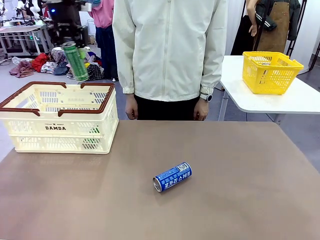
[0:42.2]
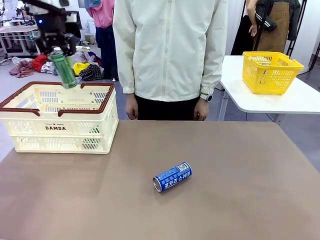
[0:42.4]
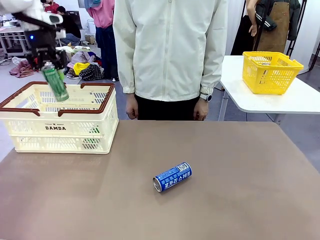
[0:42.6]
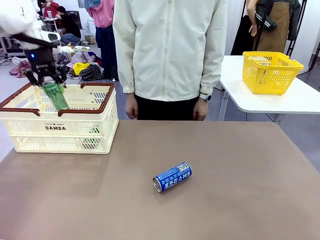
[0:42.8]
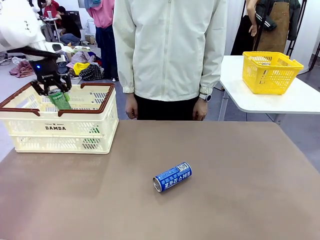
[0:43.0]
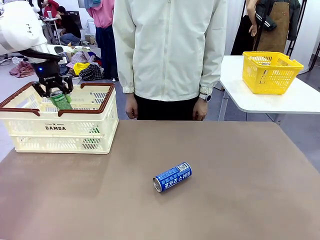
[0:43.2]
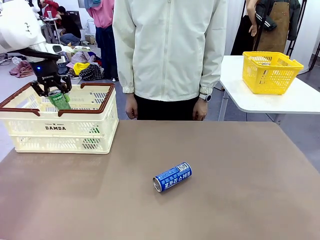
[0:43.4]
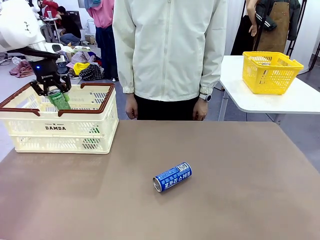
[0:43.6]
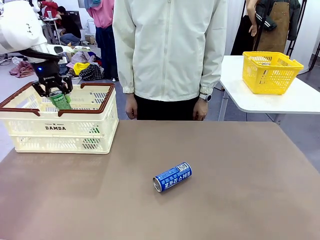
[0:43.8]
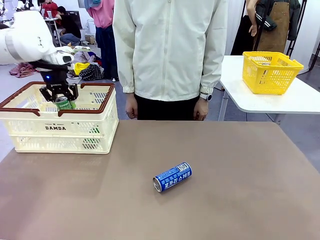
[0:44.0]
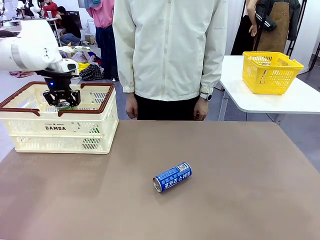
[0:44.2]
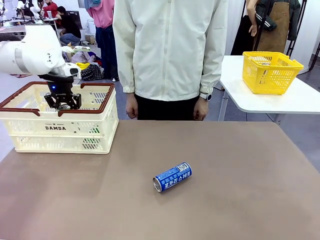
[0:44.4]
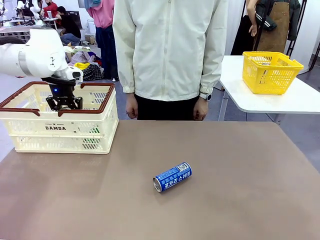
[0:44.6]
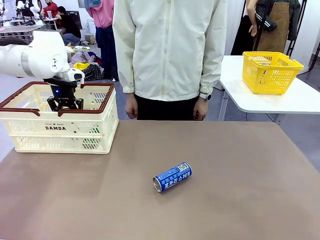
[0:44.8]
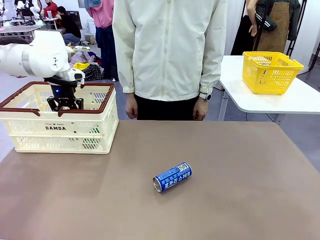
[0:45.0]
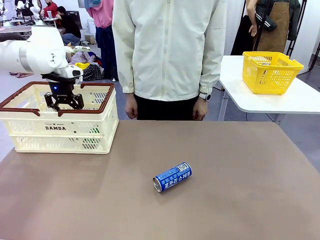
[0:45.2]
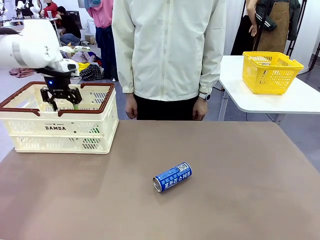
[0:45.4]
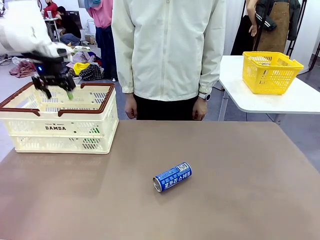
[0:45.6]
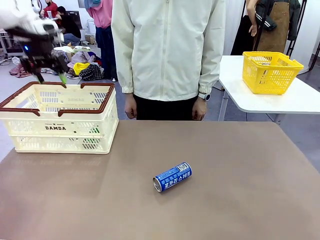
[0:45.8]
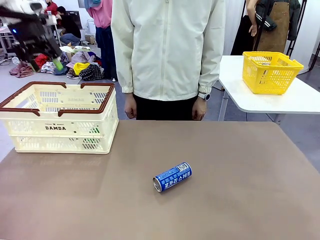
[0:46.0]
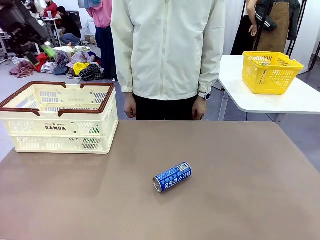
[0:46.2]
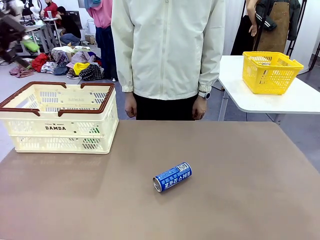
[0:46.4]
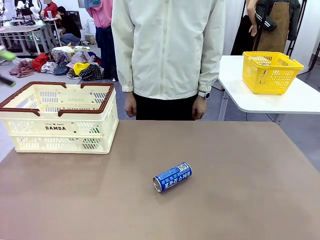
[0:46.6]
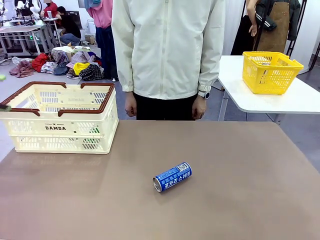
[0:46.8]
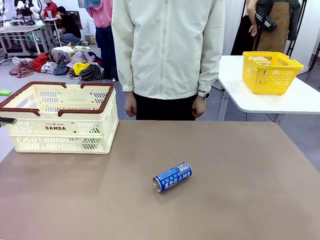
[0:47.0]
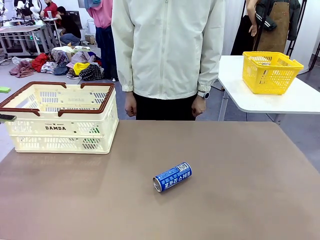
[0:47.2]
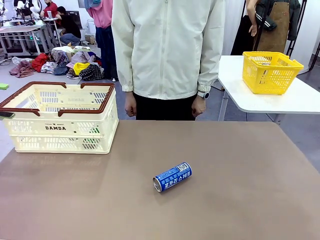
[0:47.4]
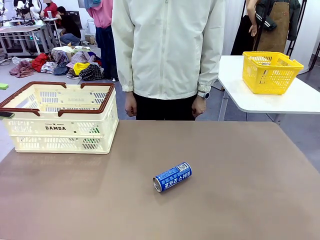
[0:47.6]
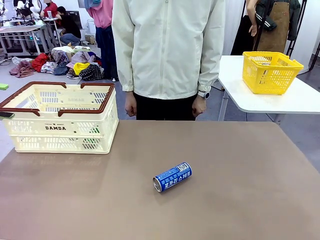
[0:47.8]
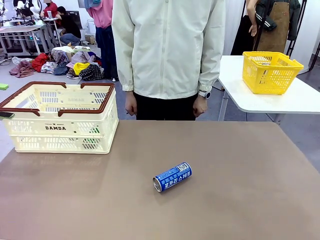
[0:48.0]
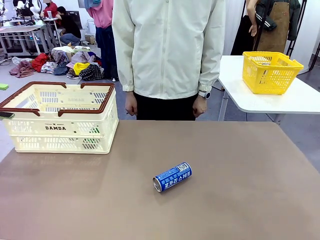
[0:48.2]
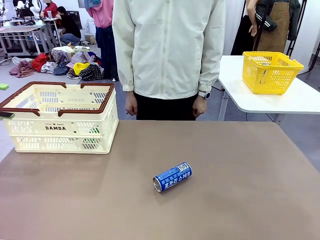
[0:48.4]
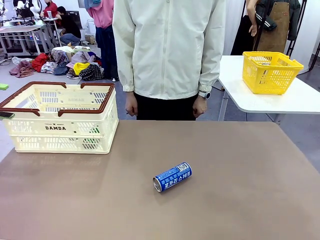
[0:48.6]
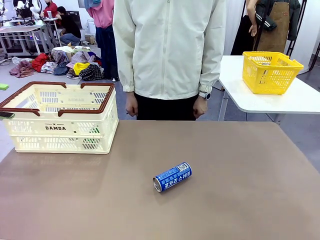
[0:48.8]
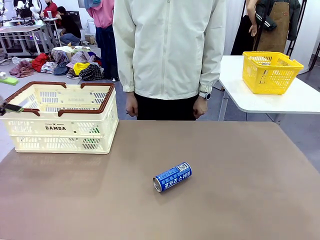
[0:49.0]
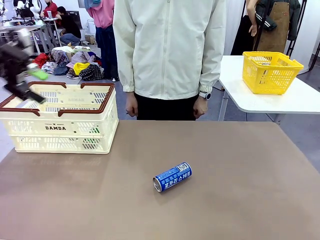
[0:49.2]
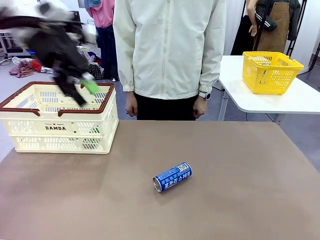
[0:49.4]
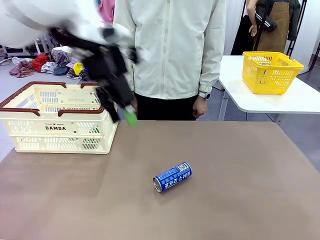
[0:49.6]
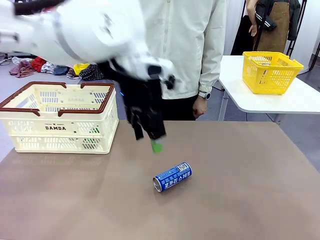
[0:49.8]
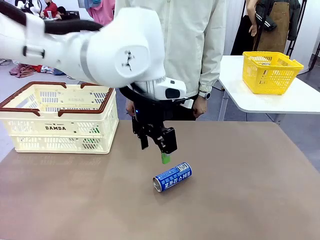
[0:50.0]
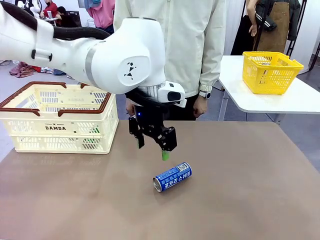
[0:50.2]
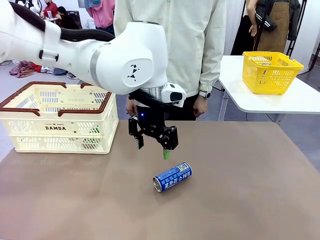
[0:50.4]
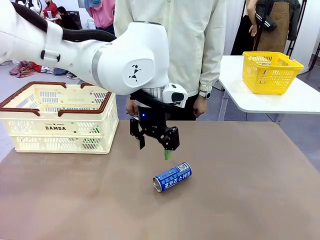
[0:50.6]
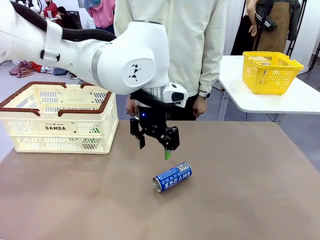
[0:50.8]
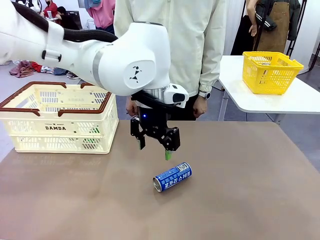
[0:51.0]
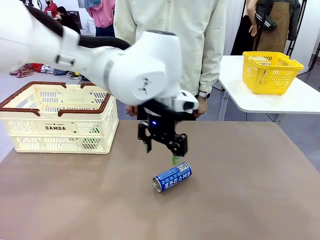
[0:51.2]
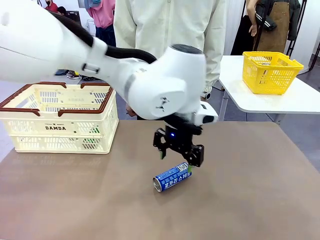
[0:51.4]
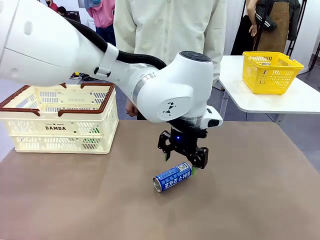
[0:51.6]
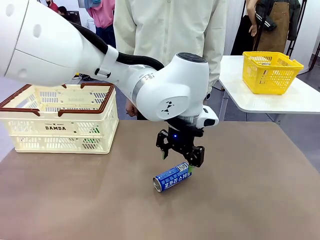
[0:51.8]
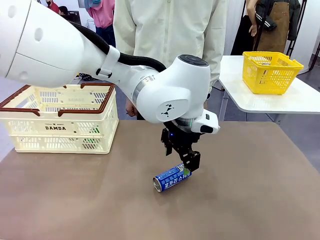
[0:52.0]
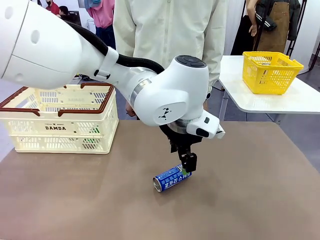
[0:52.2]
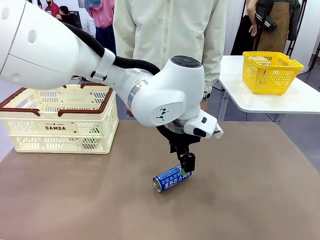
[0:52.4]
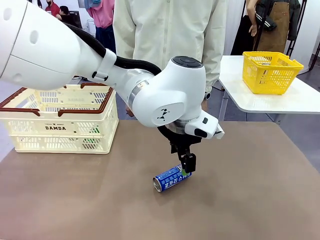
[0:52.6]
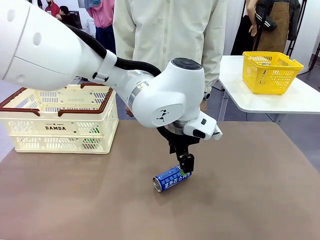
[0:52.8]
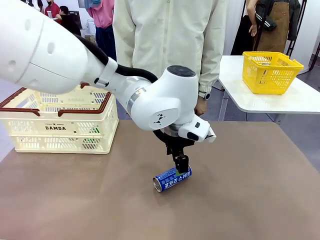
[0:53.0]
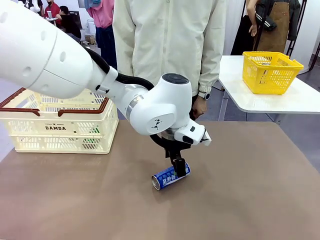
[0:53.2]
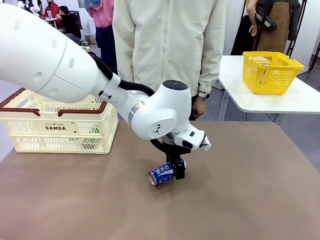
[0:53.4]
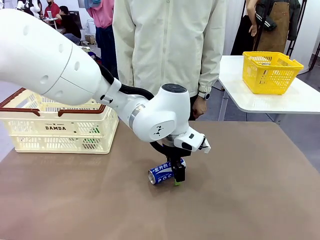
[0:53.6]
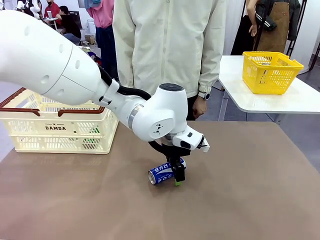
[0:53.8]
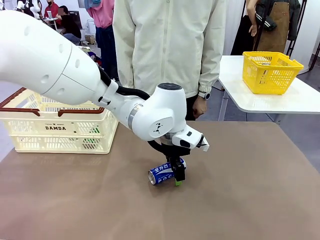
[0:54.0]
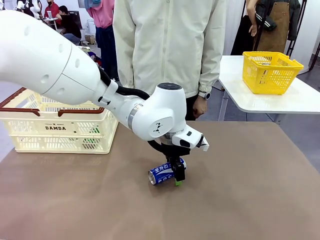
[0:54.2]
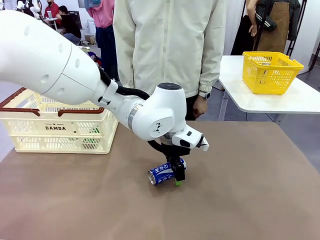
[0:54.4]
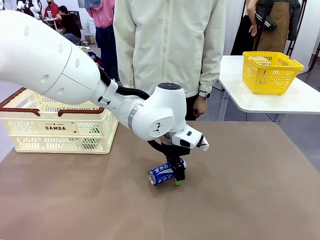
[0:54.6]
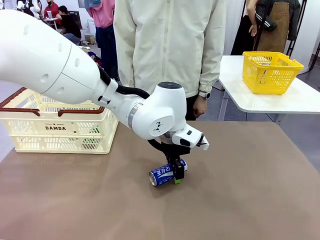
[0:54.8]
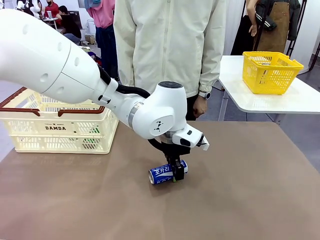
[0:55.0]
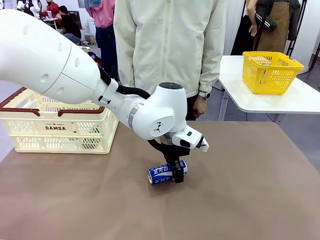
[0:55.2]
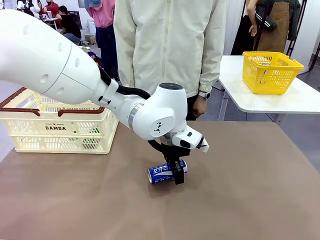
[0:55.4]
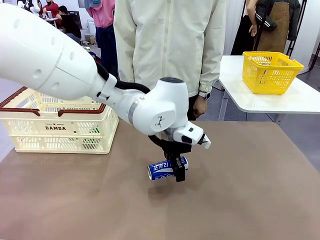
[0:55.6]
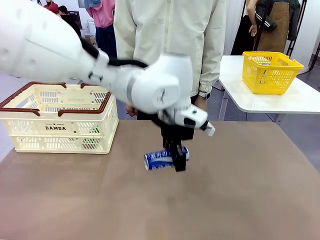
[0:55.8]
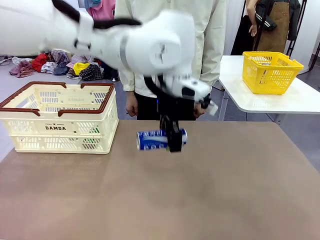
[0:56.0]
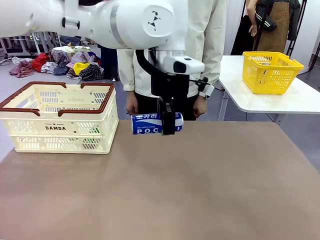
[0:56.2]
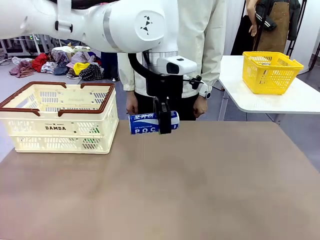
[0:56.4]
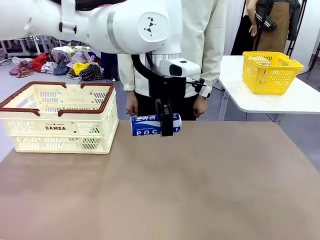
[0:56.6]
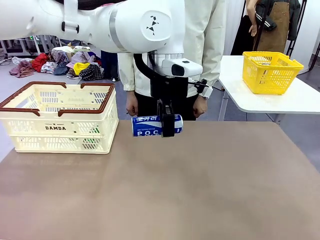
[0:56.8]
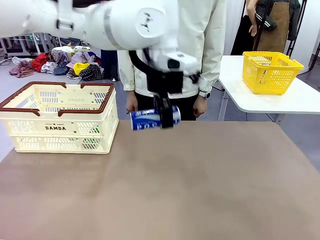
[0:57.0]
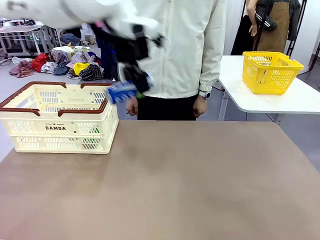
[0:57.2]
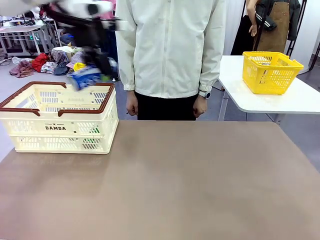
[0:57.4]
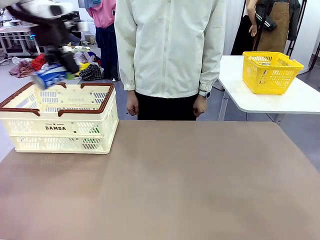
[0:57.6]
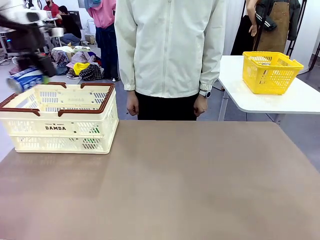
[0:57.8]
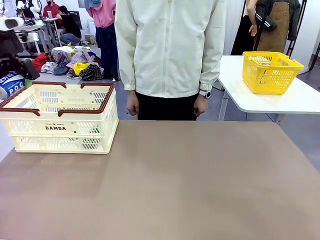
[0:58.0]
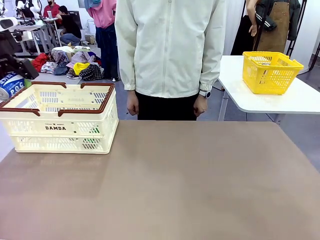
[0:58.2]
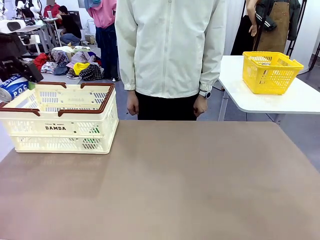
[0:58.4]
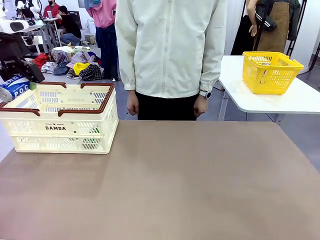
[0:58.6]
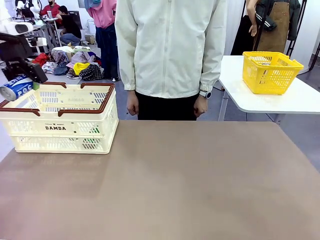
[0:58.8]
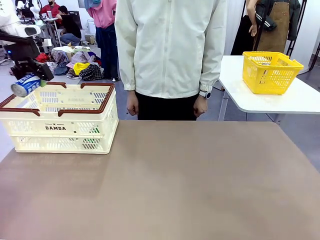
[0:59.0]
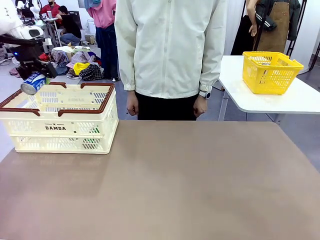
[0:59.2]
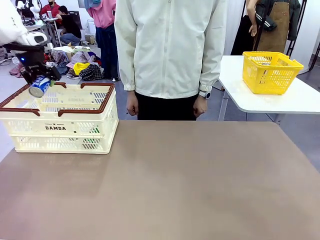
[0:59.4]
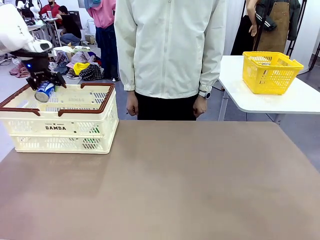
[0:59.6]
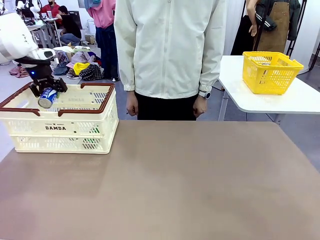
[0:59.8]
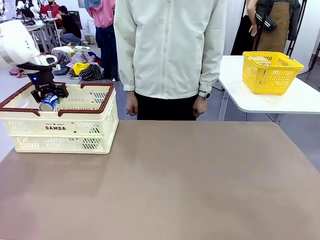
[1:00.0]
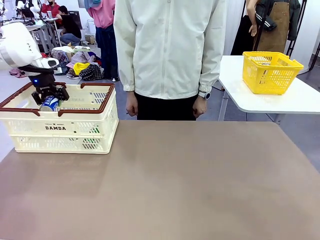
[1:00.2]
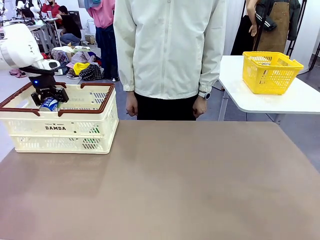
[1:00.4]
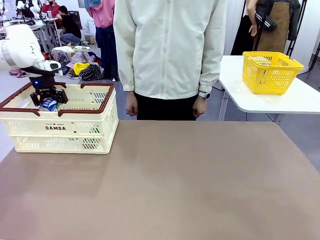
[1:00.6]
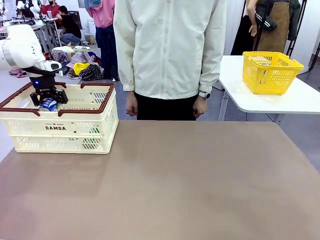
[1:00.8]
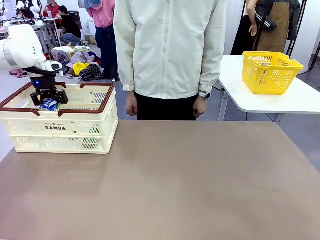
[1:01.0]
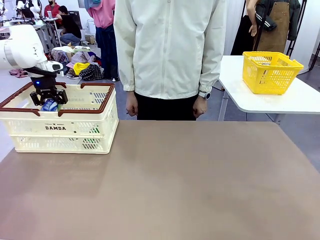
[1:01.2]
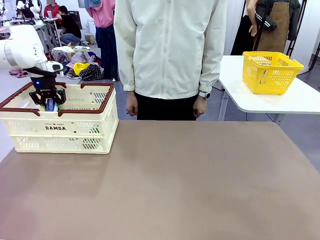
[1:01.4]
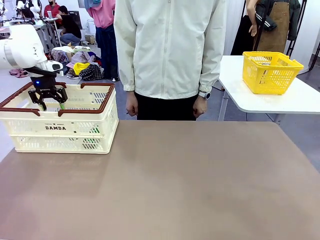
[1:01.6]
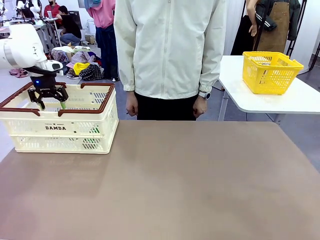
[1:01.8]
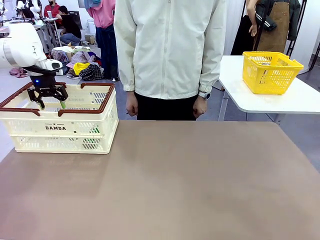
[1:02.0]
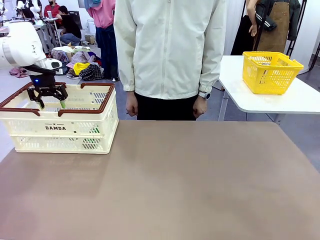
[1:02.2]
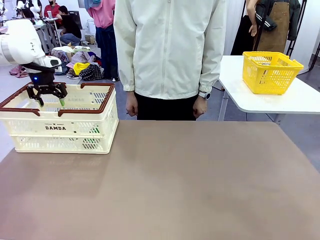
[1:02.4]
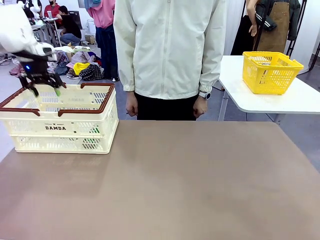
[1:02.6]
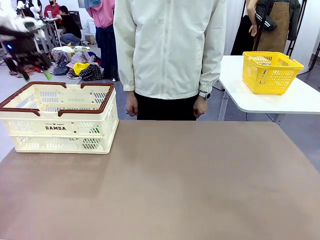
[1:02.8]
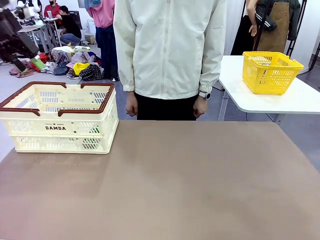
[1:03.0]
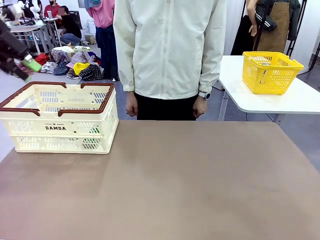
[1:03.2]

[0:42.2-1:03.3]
Task: Place the drinks into the Shopping basket.
Robot: Pick up one drink and place it into the Shopping basket.
